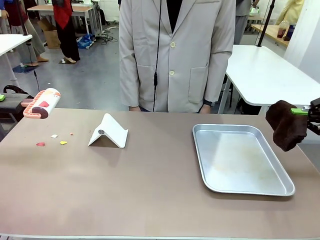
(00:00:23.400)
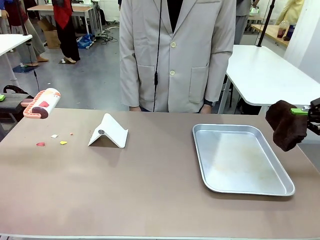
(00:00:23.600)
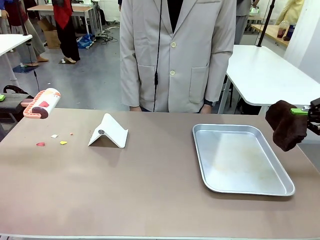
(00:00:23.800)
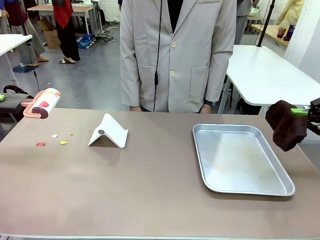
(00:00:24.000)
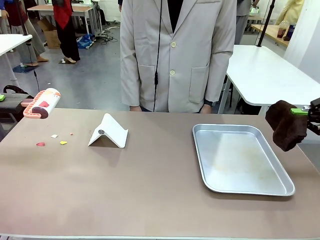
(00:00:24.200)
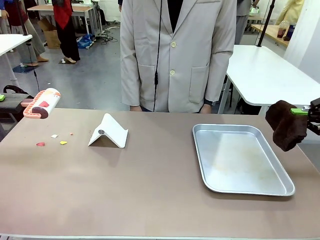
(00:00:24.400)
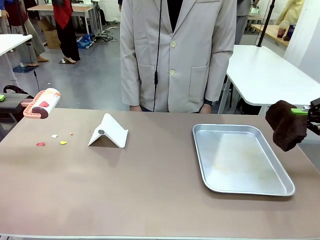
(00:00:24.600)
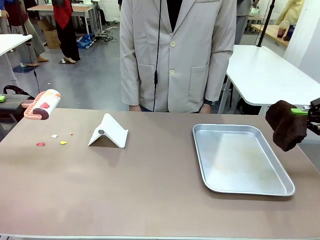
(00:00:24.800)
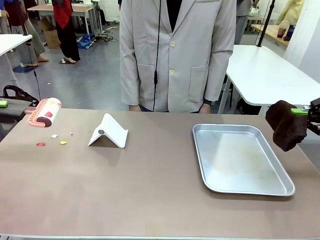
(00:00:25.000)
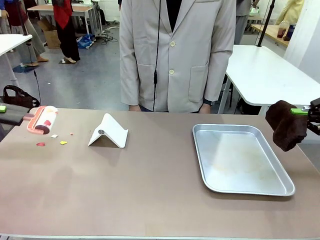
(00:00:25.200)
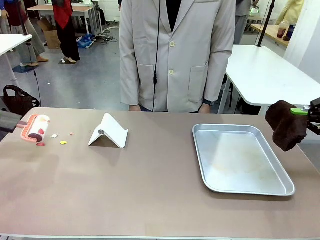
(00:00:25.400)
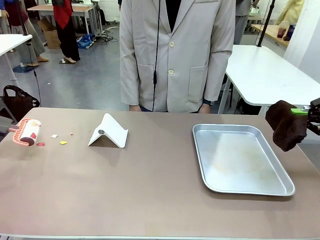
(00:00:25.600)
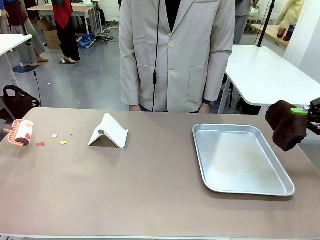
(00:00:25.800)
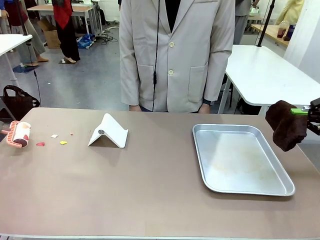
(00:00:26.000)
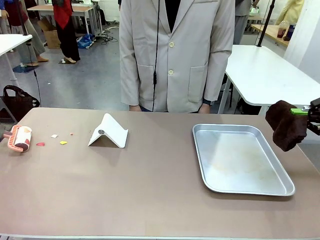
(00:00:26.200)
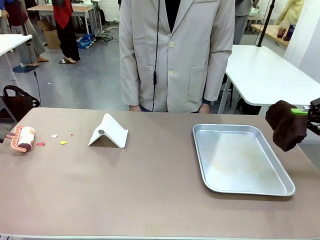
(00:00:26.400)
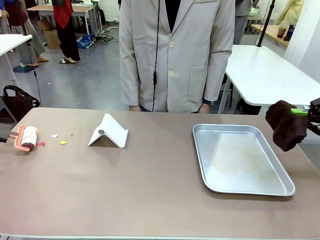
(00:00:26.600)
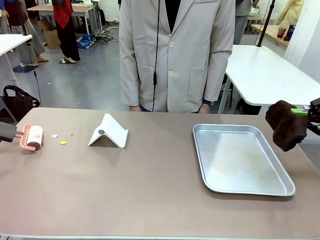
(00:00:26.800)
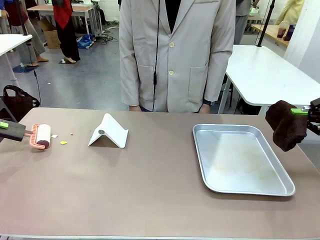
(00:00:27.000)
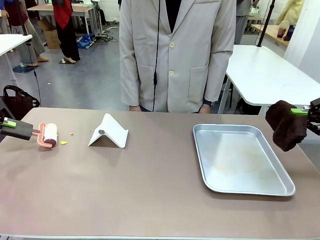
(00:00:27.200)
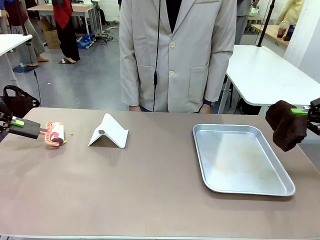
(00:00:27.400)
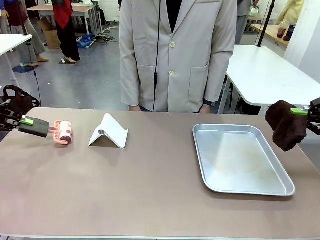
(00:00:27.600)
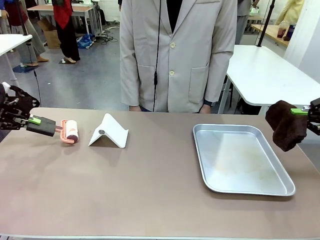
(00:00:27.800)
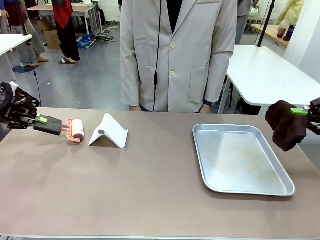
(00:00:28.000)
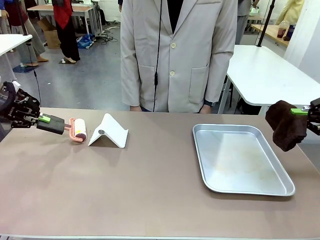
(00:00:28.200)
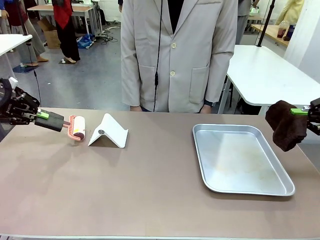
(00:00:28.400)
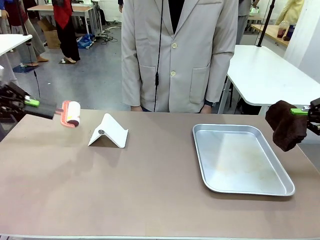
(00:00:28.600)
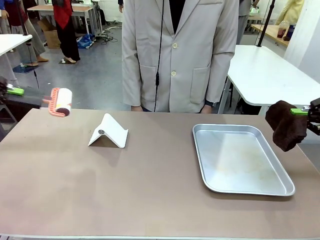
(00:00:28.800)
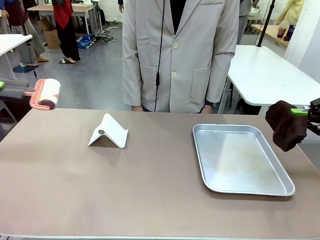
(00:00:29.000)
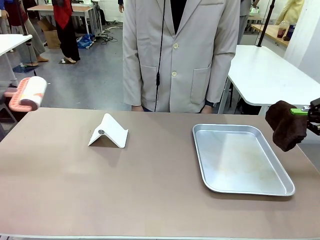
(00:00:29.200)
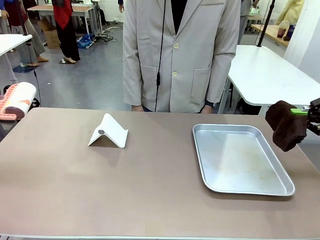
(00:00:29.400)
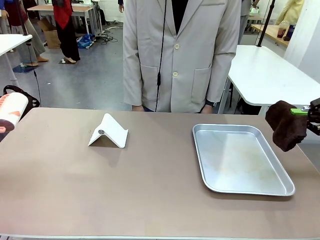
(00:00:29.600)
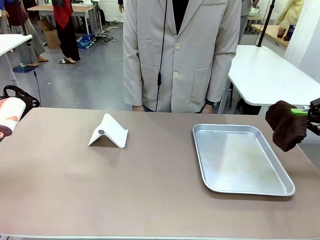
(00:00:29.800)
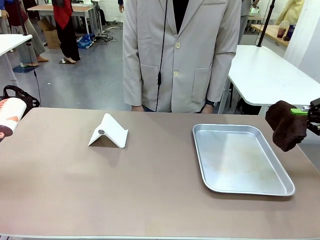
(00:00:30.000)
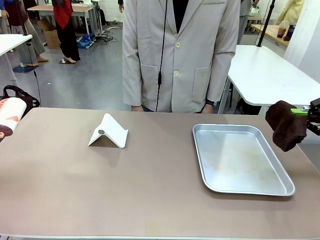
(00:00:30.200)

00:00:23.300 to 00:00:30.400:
Task: Clean the surface of the table.
Robot: Clean the area not pointed to by the person.

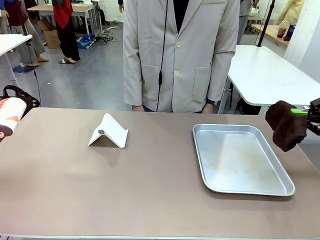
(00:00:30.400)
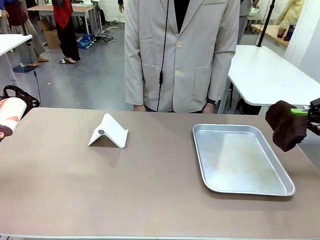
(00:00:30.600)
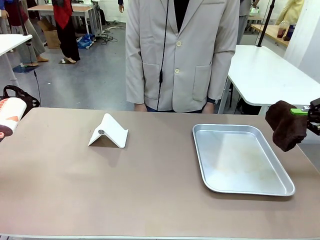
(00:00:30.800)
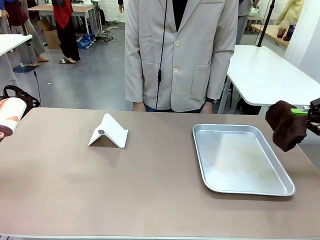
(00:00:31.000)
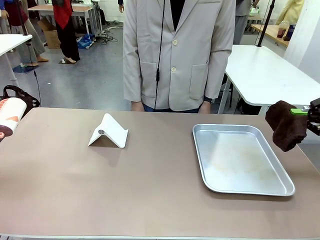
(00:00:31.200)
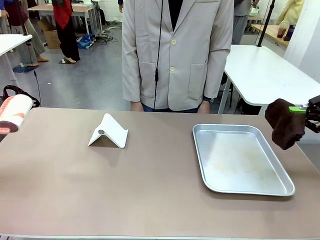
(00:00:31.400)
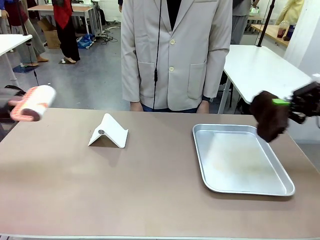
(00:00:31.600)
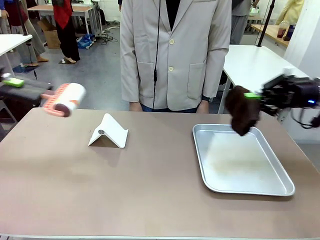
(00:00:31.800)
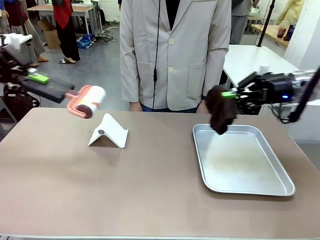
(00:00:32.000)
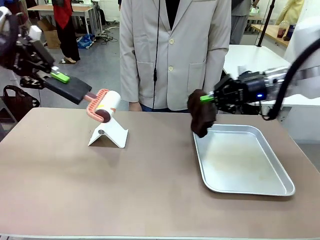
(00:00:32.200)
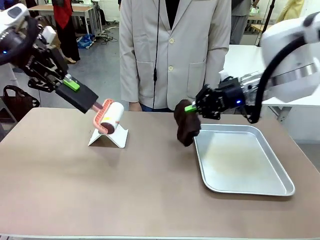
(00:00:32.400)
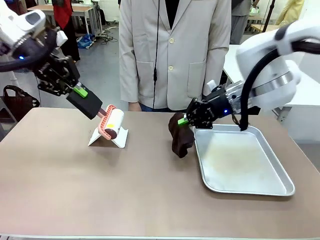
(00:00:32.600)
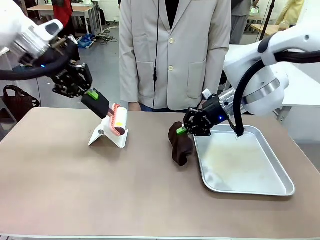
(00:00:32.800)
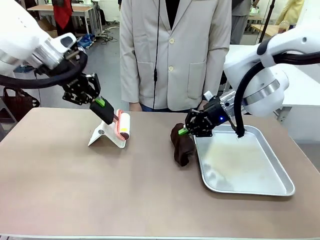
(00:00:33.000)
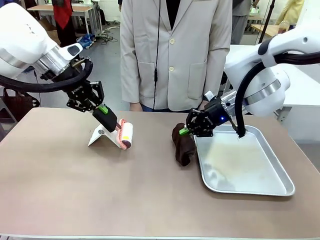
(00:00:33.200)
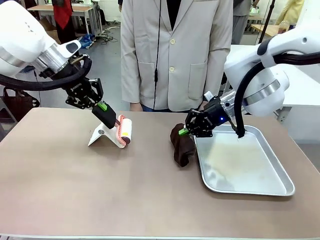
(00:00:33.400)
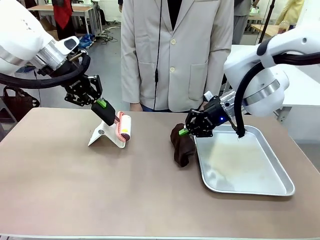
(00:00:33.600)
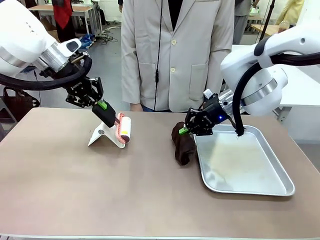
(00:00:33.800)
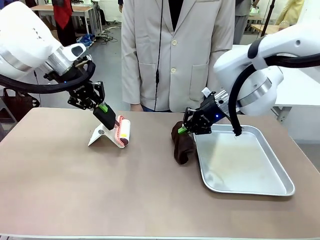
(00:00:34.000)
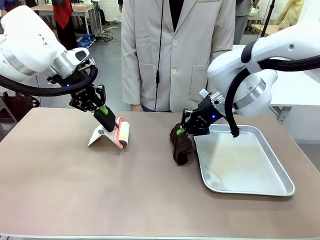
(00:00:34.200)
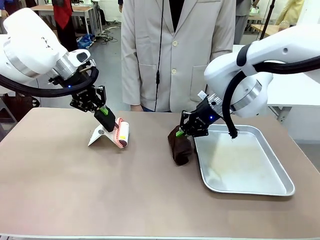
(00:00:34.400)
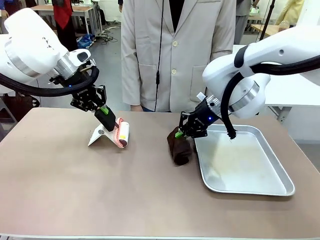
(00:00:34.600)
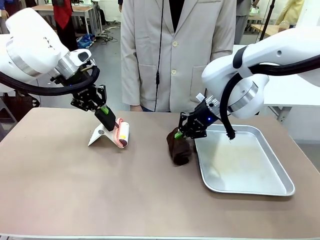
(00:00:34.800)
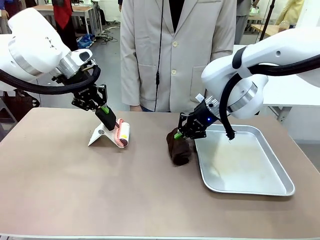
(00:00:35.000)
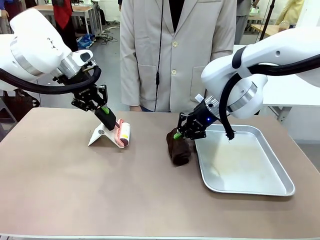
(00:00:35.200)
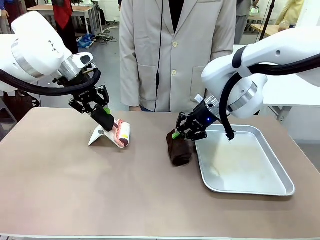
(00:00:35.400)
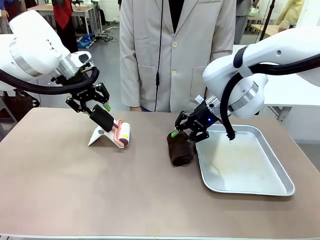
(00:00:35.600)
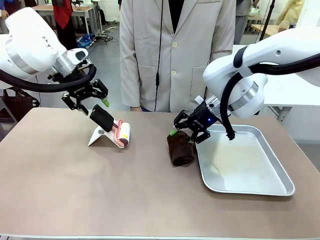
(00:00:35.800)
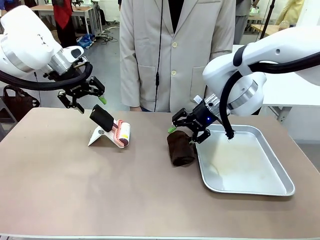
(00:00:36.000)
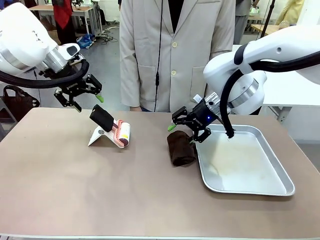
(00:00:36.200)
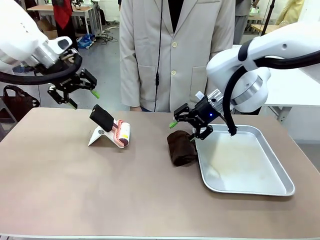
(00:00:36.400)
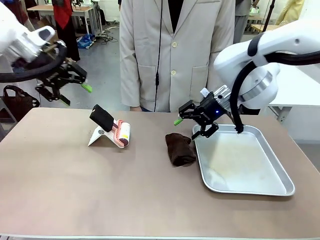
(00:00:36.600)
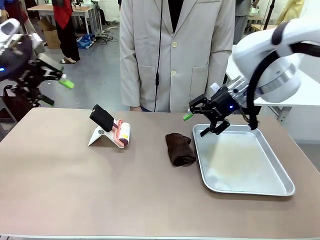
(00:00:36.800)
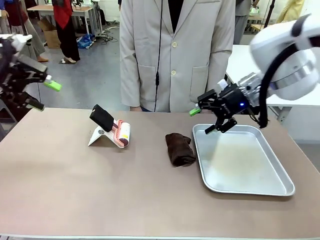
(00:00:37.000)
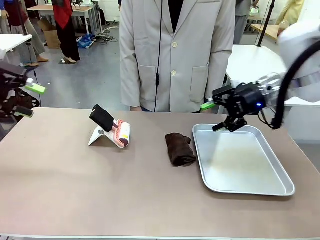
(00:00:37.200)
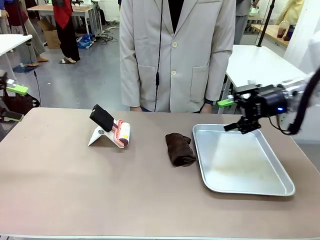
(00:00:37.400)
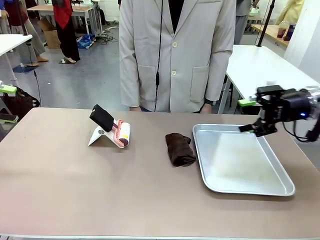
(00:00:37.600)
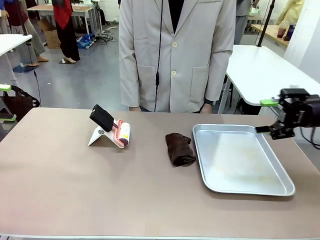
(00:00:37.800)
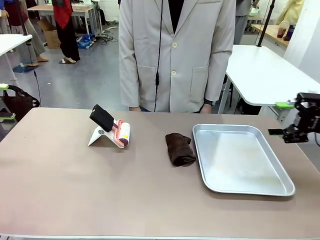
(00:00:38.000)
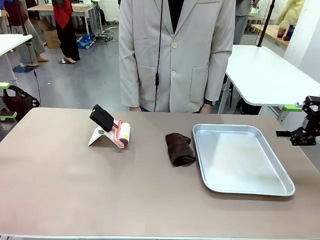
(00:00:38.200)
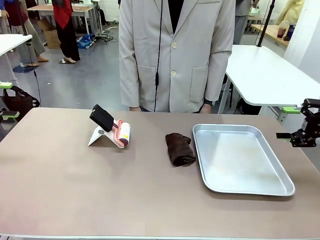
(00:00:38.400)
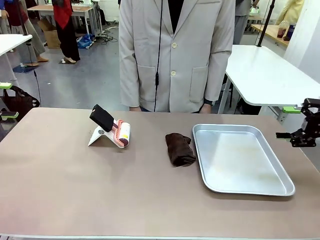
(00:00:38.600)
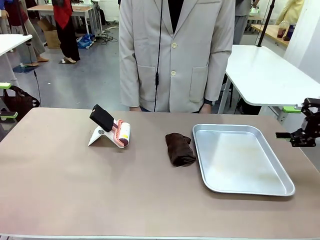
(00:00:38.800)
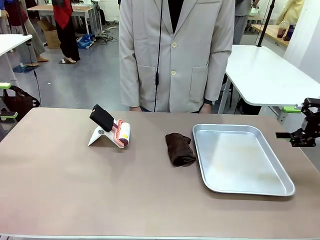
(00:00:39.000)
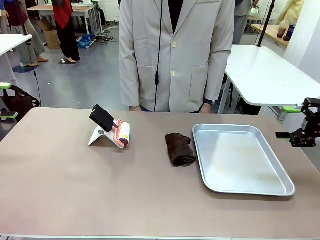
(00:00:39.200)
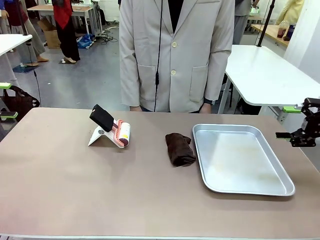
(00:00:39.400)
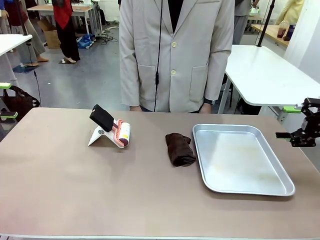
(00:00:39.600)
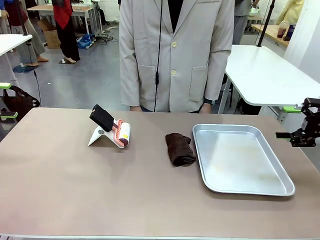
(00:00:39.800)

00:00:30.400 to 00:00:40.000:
Robot: Return the Lint Roller and towel to their original positions.
